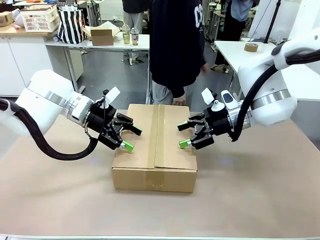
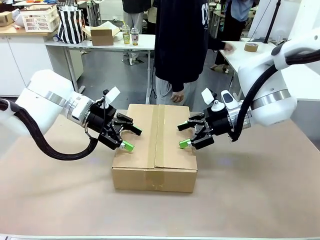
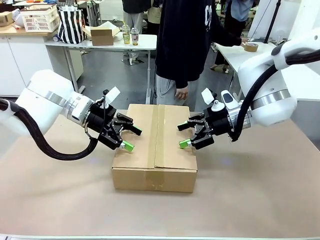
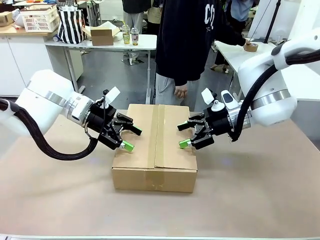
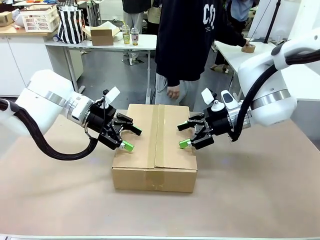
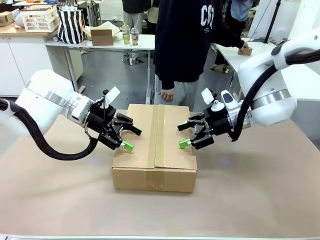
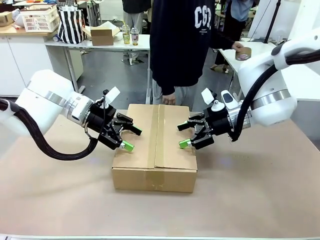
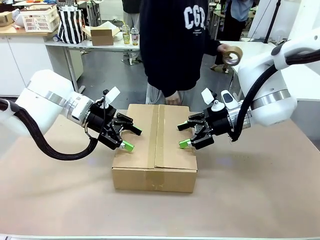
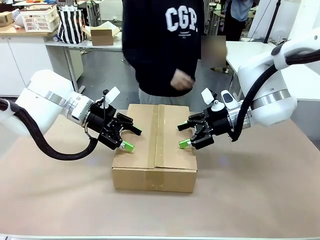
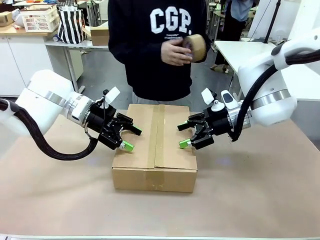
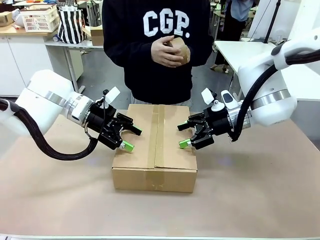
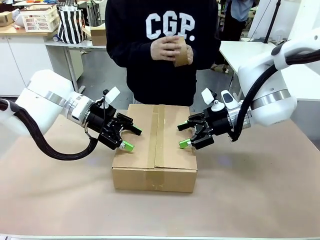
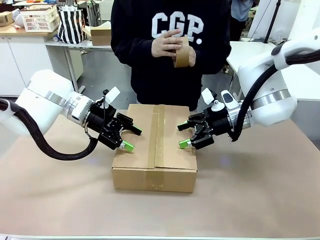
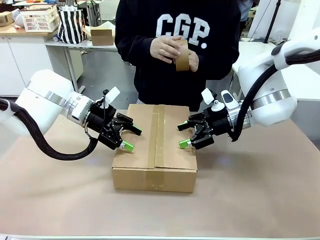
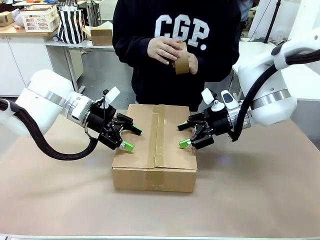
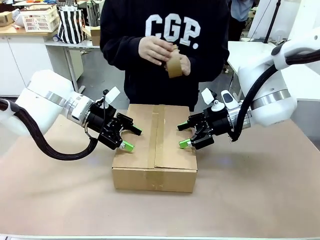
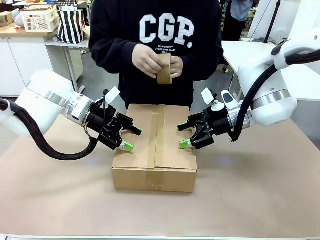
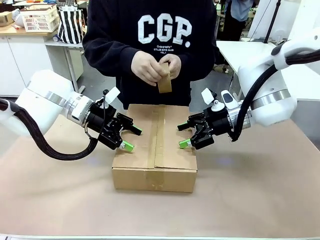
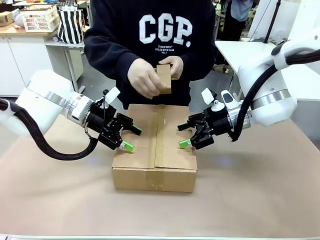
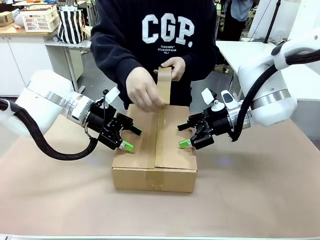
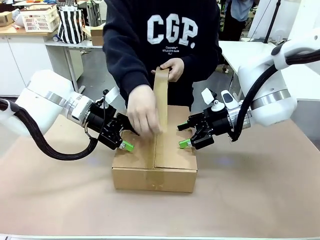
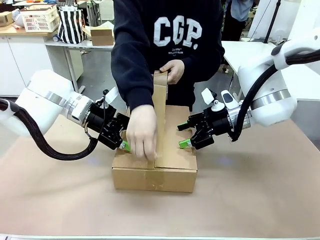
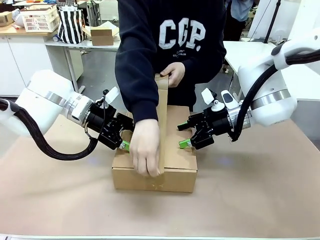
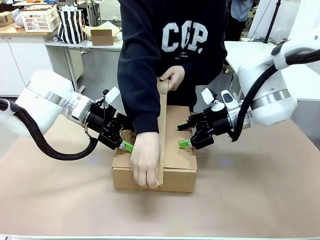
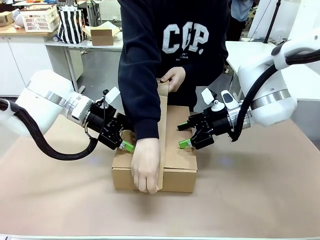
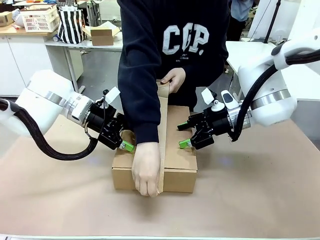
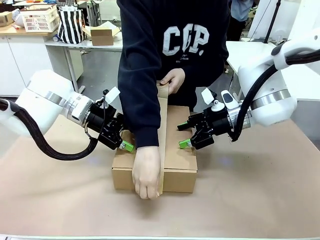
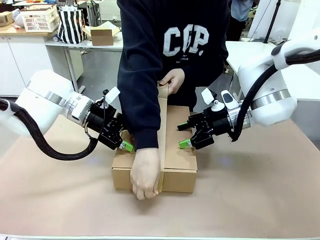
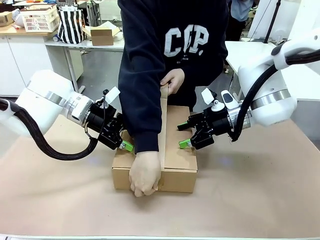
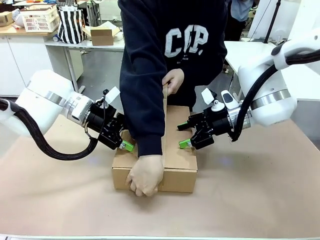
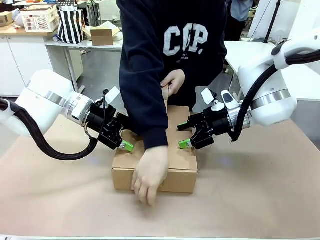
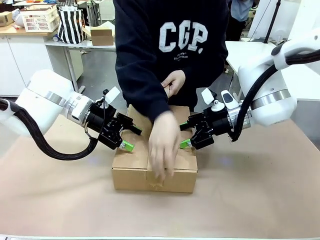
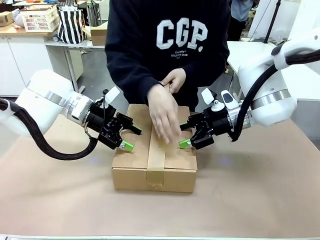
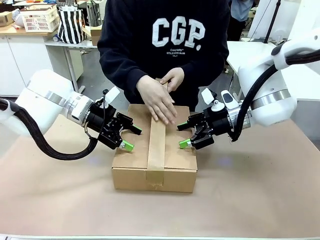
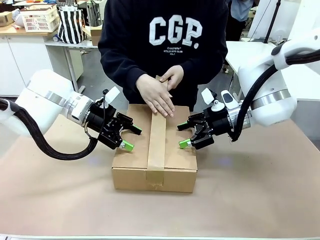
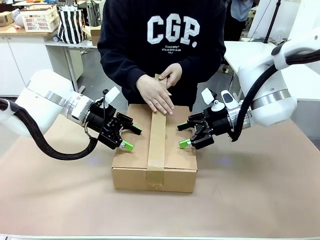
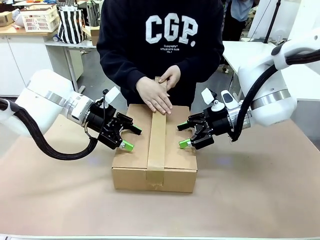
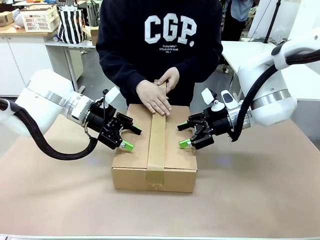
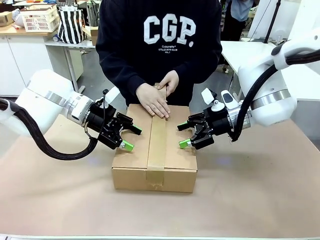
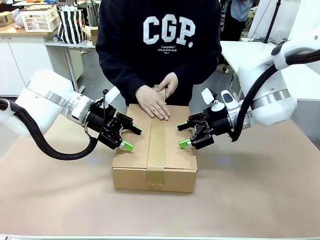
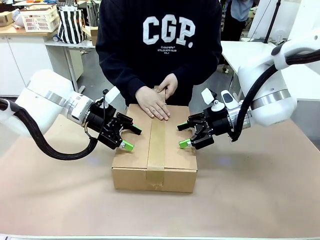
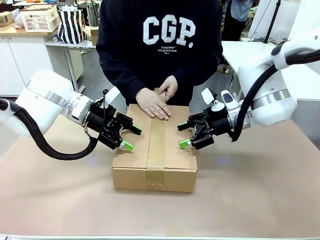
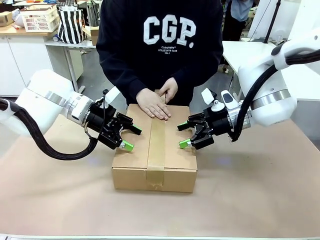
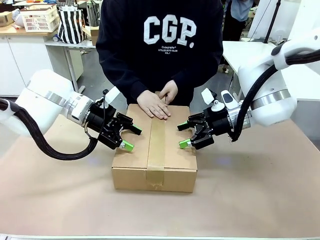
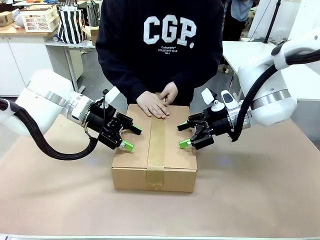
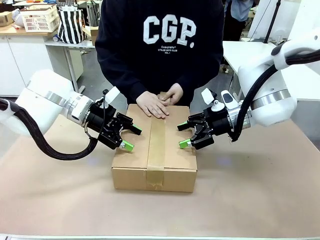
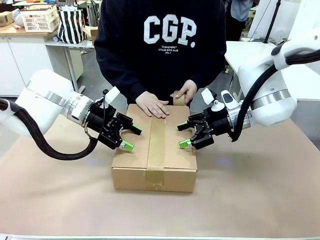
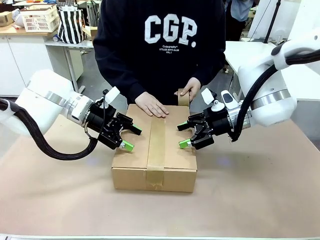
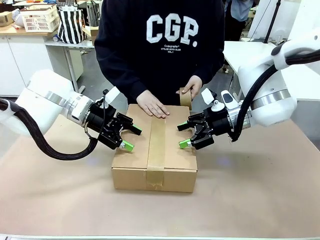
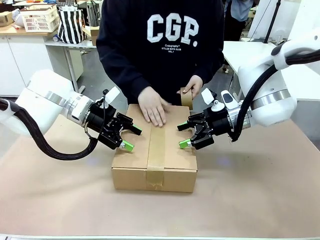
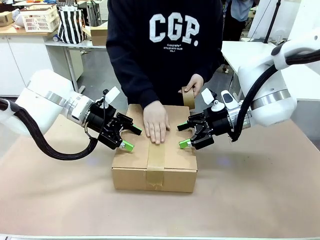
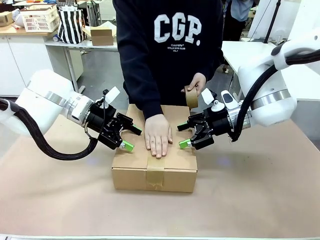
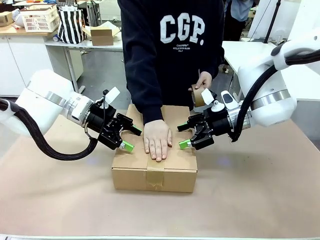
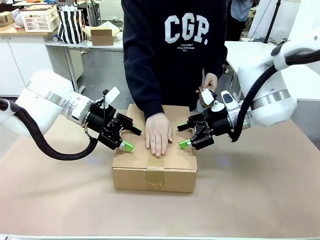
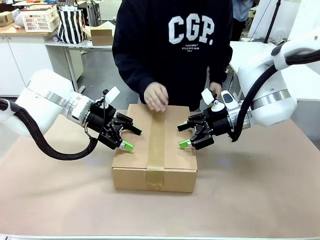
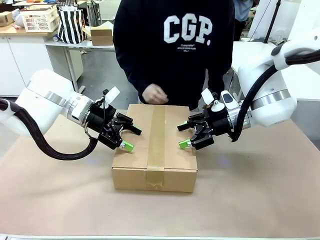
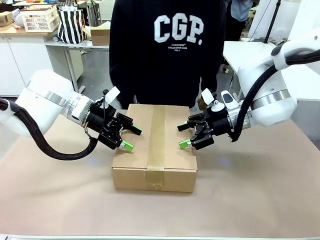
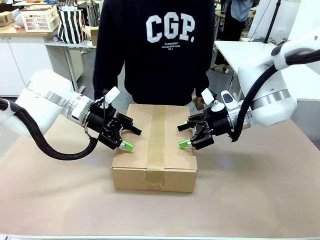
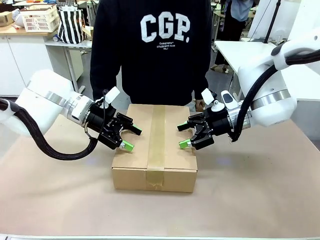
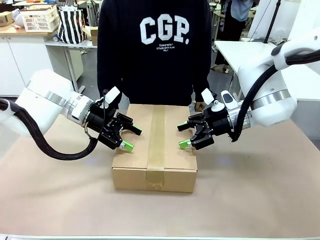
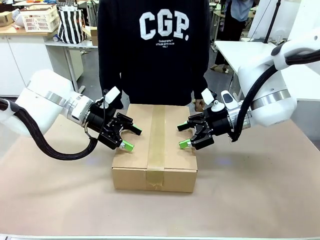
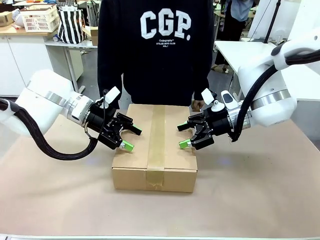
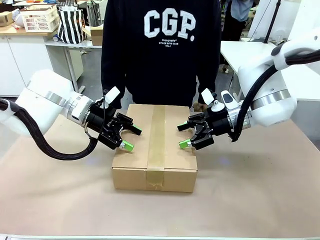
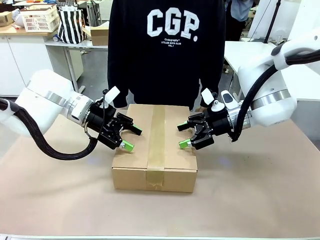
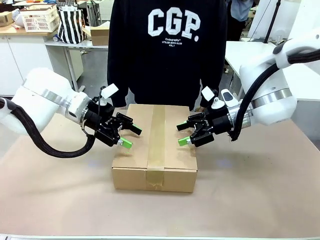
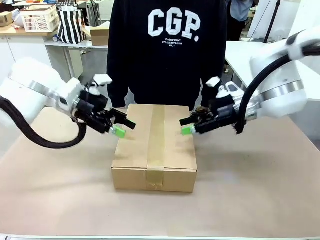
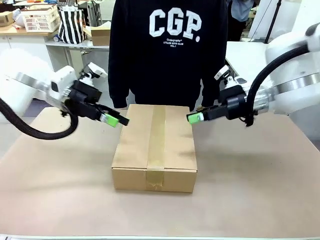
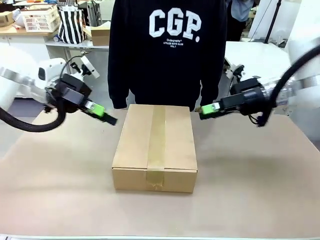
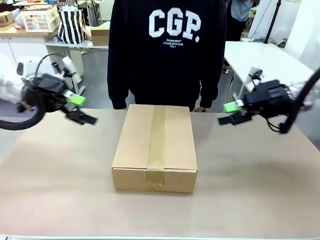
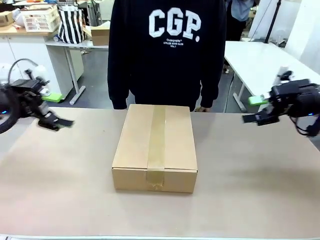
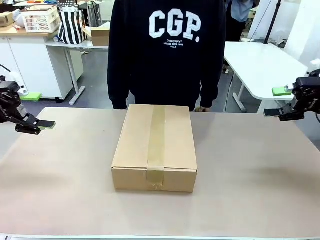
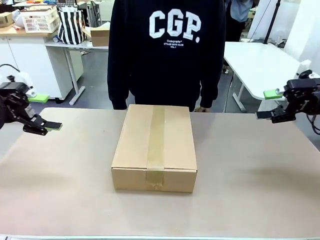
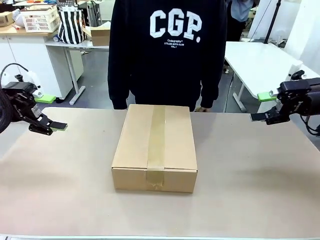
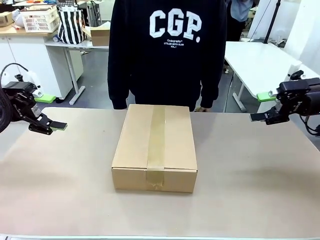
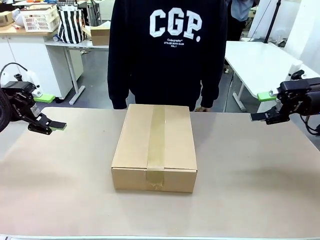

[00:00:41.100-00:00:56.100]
Task: Pack the gift set into the box.
Robot: Press and hold the closed box until the human finishes sealing it.
Person: The human picks up the paper tape from the human table and packs the box.

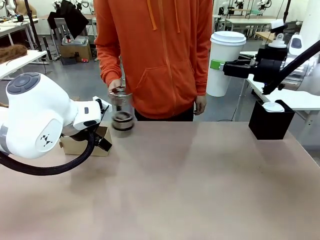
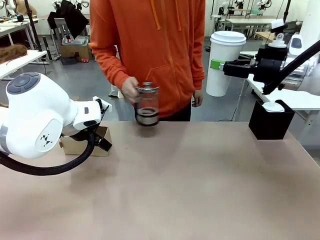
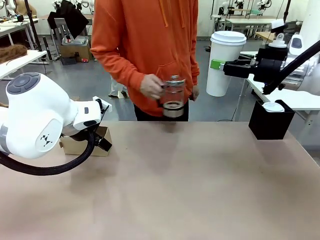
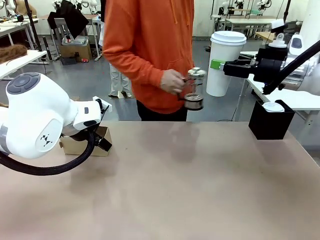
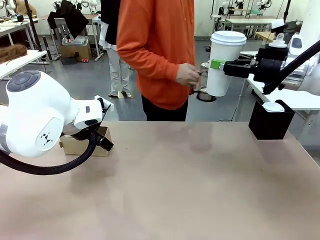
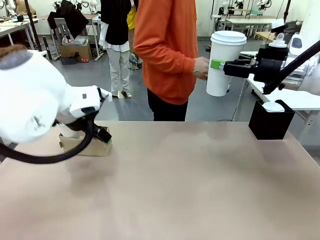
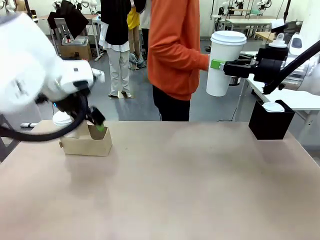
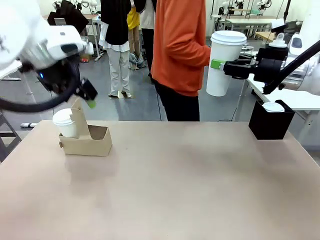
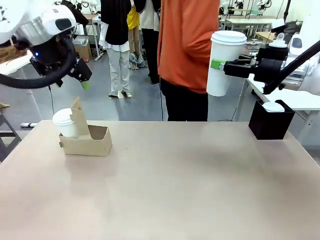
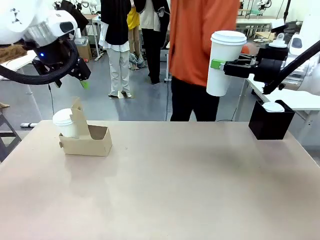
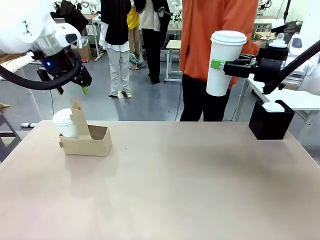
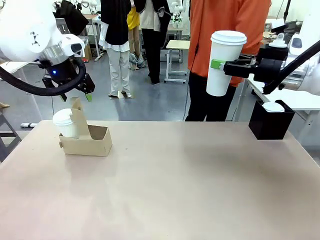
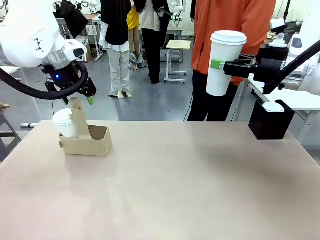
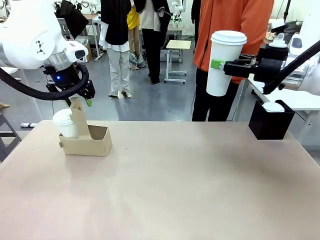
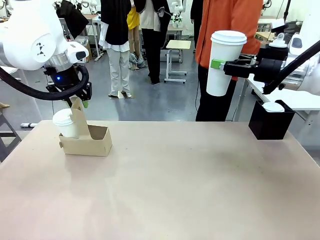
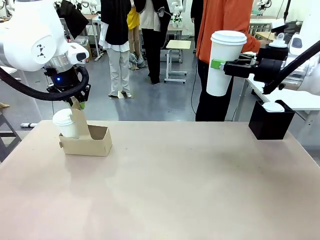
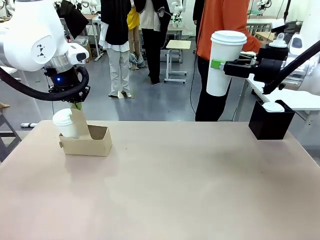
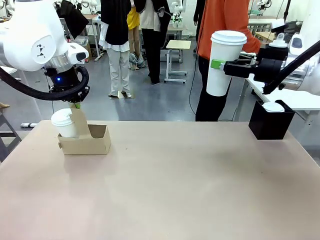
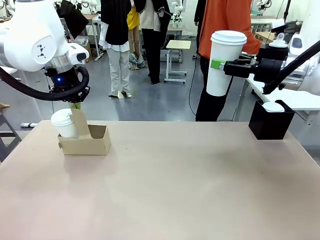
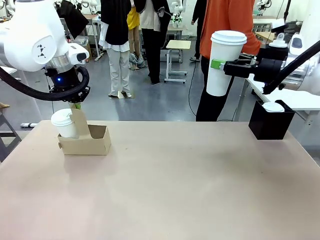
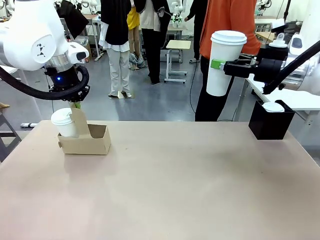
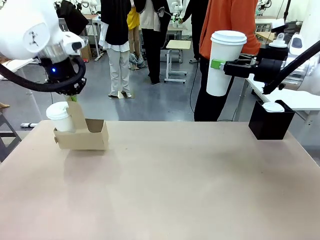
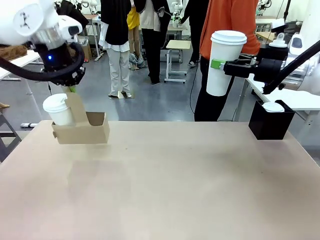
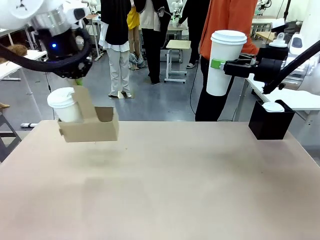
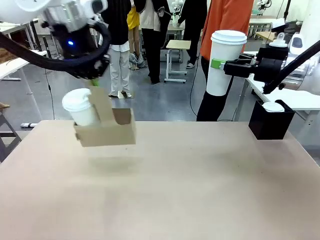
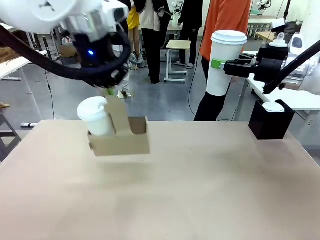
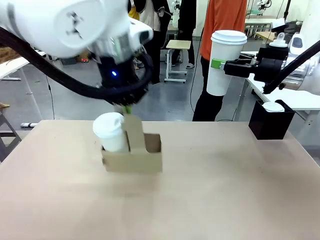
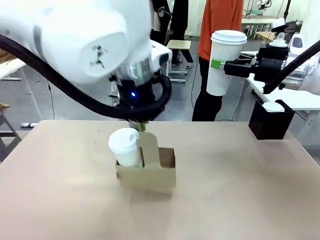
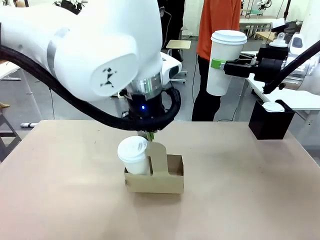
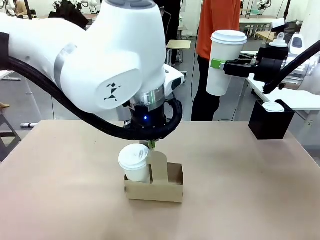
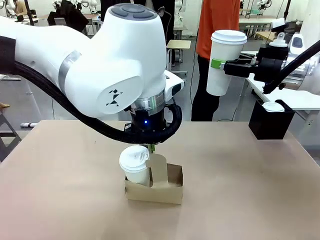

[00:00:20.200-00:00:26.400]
Task: Pour a drink into a cup and package it in a carrier.
Robot: Position the Cup Carrier in the center of the table.
